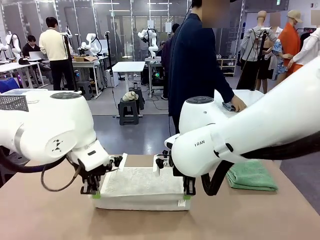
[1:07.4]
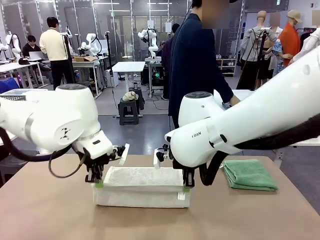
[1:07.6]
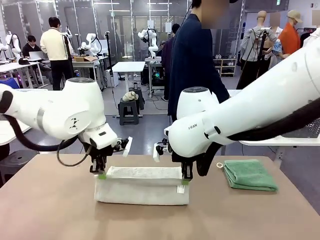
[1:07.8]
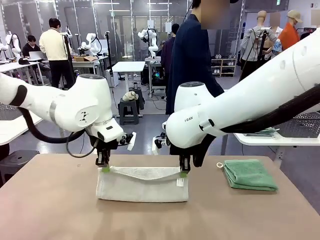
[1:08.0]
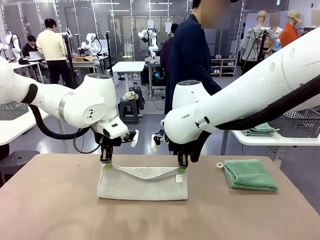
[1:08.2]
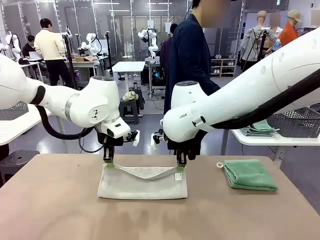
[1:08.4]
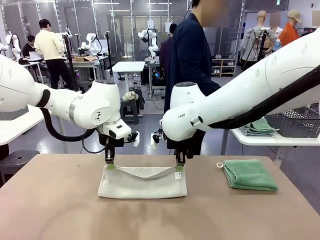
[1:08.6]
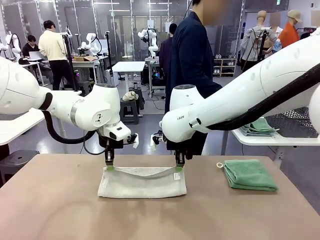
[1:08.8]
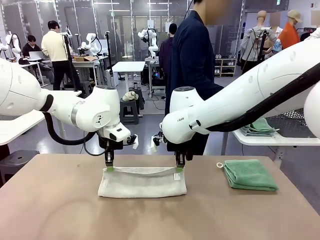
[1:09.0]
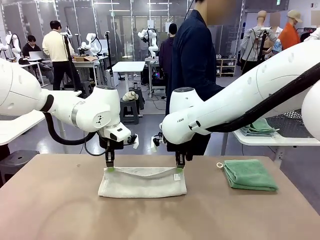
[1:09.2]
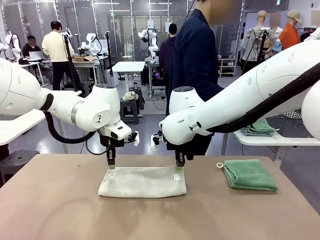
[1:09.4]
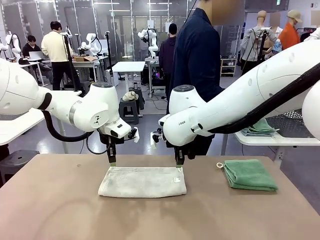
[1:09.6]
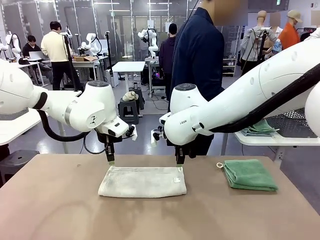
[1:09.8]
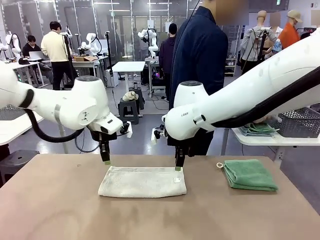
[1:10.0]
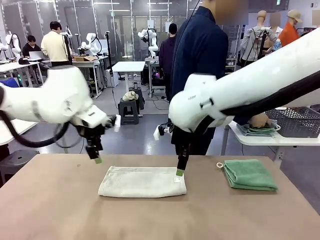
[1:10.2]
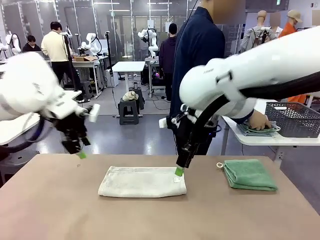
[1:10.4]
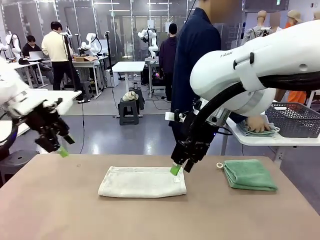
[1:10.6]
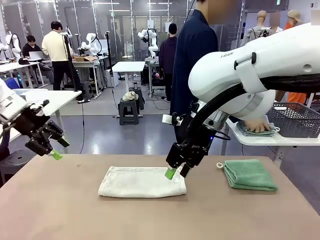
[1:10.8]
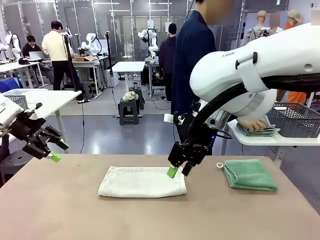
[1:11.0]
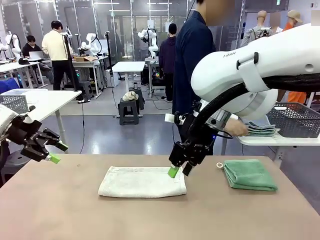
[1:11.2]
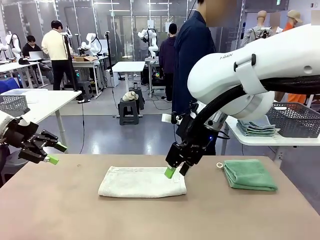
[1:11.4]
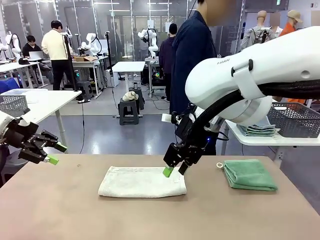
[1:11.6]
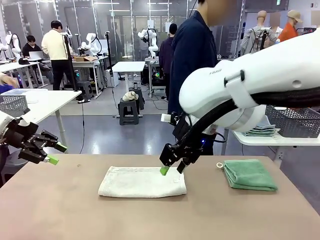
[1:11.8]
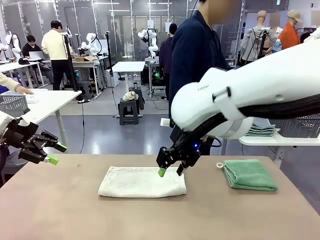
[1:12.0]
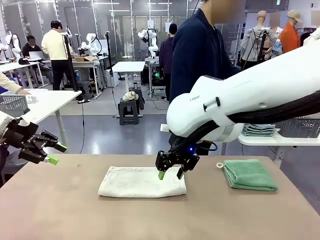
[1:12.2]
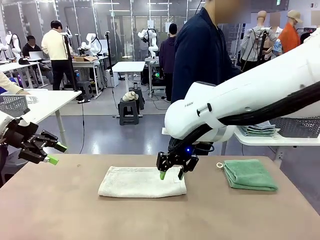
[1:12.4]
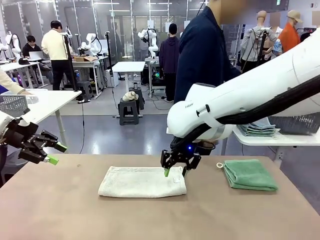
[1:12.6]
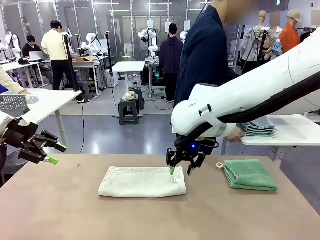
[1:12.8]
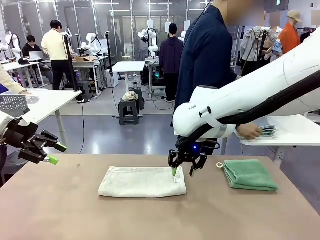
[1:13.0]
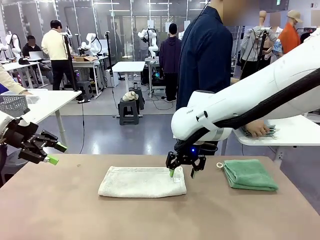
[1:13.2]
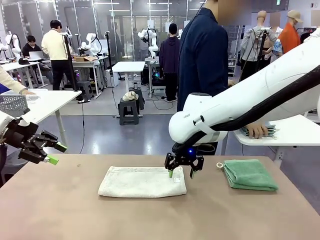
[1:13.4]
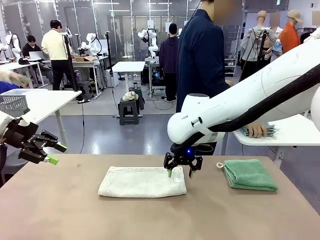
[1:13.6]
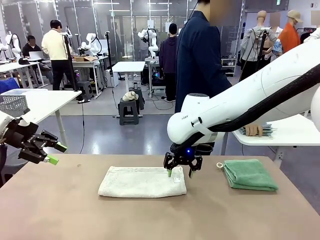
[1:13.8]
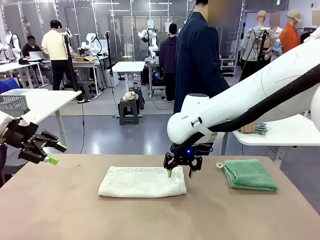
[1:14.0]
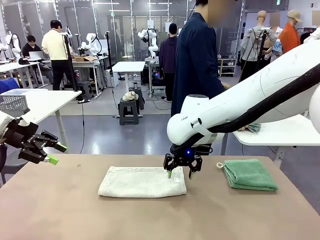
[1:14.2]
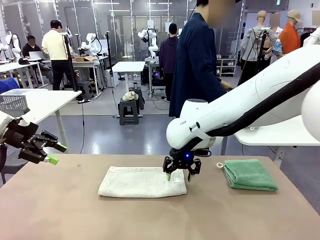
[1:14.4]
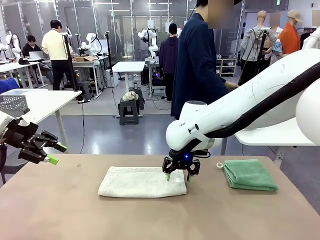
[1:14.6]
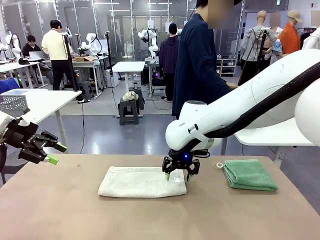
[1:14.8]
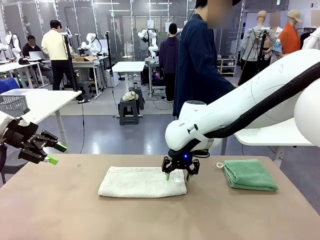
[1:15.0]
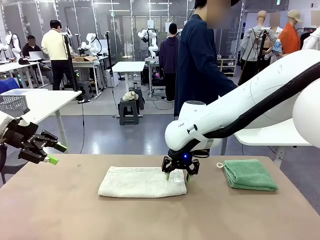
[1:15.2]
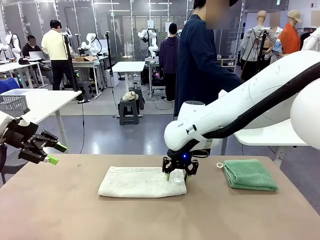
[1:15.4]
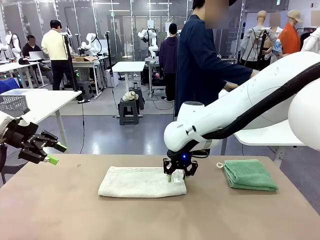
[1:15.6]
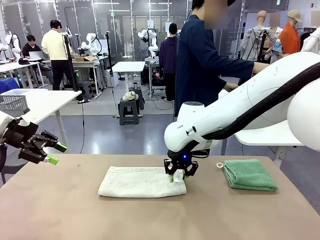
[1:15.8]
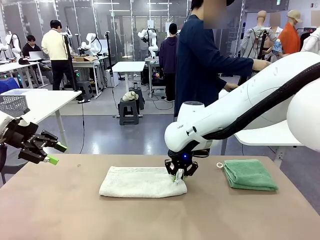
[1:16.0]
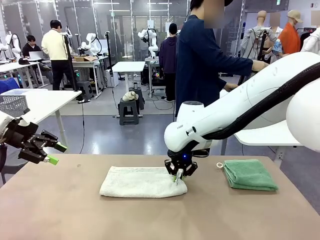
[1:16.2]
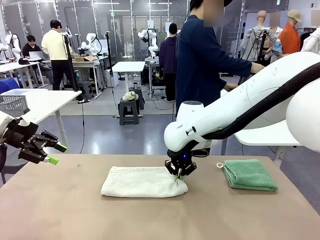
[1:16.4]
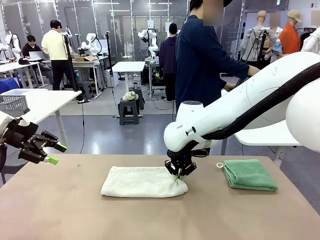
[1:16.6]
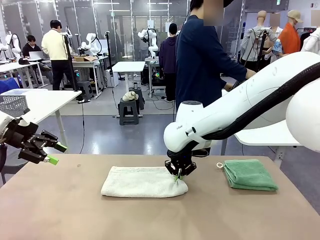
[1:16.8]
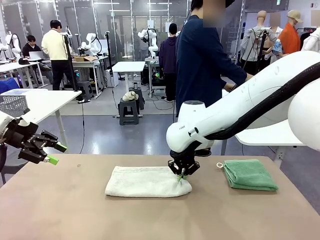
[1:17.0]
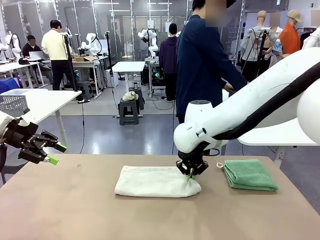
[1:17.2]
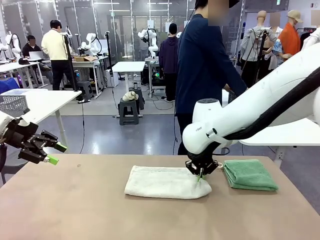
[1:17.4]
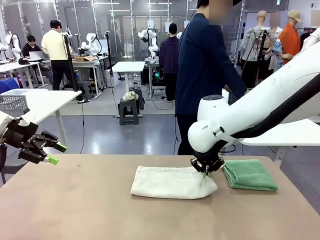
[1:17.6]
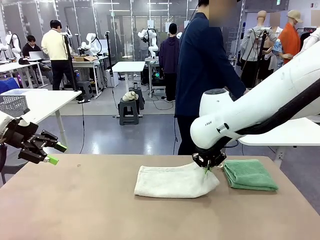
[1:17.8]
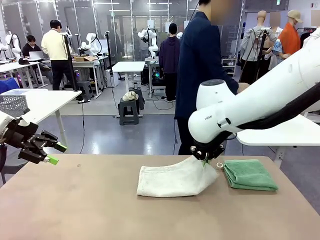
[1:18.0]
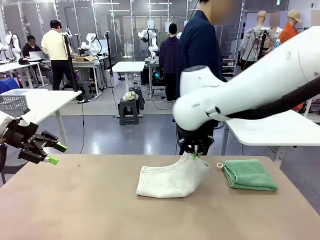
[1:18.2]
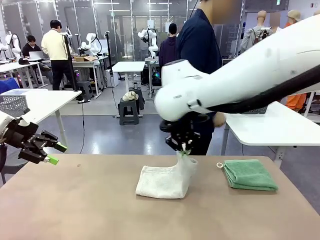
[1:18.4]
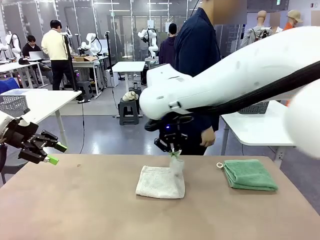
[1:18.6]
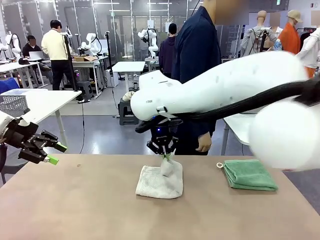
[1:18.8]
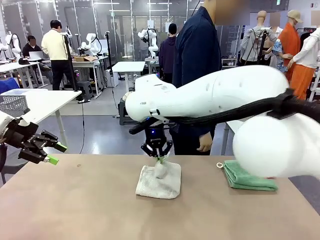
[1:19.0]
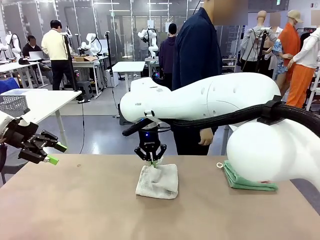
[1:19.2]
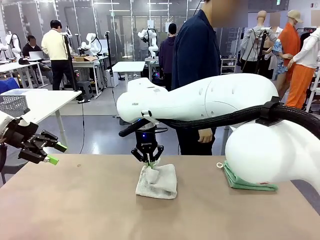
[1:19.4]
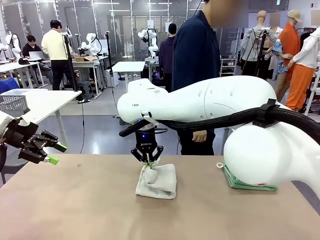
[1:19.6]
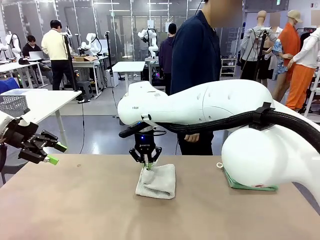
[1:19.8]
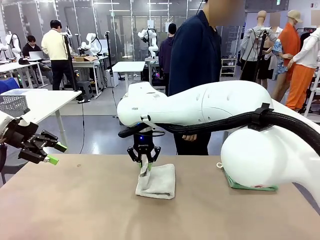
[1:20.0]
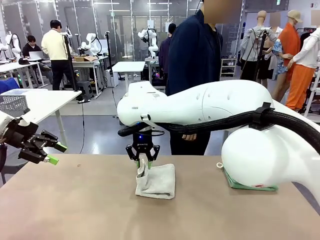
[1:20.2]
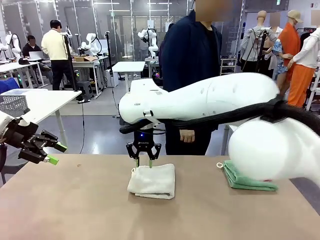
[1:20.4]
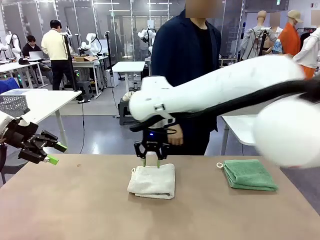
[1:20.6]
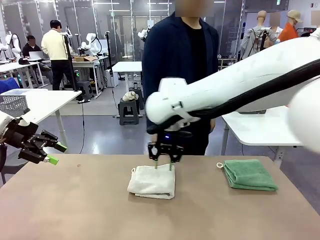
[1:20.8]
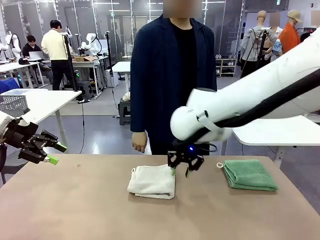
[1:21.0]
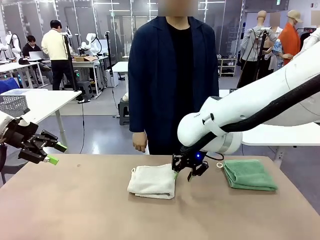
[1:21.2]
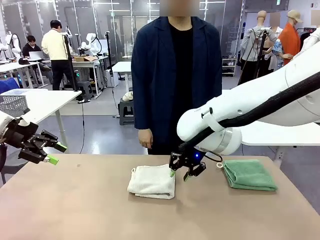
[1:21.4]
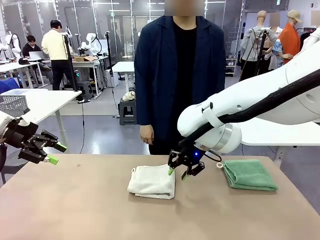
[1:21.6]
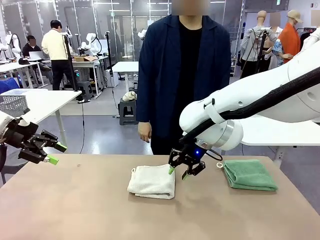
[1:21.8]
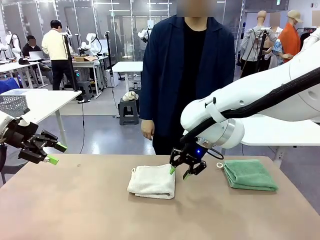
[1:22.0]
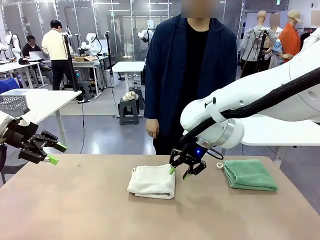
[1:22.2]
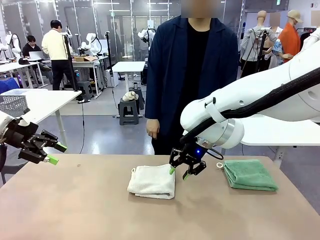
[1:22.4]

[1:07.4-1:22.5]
Task: Fold the towels and place them in the basket.
Robot: When a person lays out a Towel with hook on the table, fold it in half twice.
Person: Pick up the stack of towels from the right side of the human table, place it into the basket, and put the basket at the center of the table.

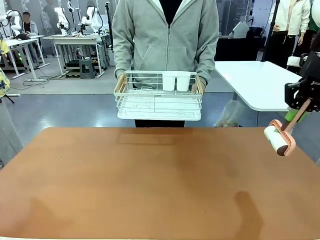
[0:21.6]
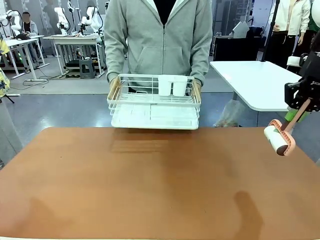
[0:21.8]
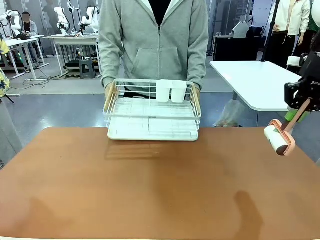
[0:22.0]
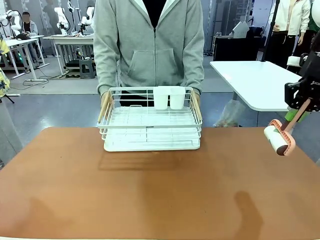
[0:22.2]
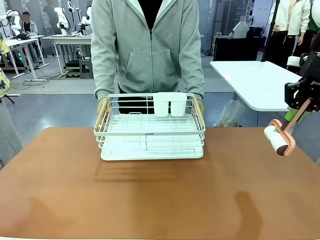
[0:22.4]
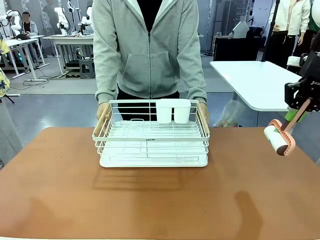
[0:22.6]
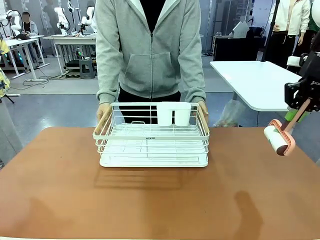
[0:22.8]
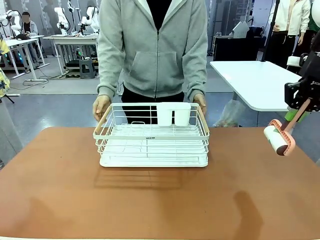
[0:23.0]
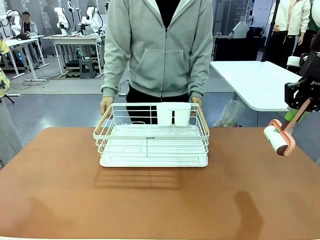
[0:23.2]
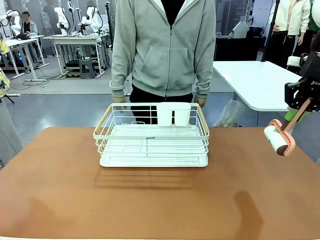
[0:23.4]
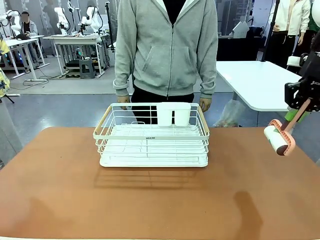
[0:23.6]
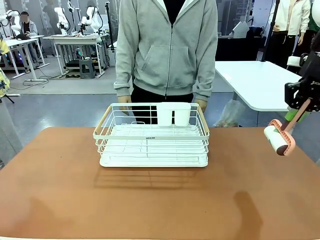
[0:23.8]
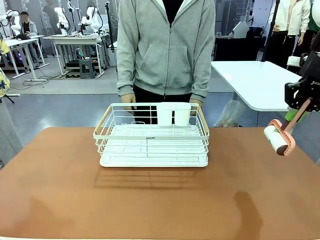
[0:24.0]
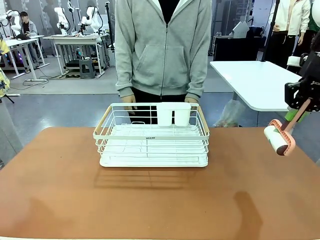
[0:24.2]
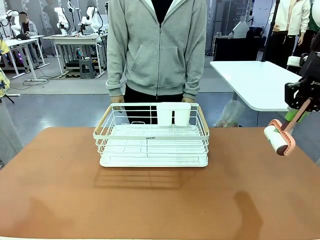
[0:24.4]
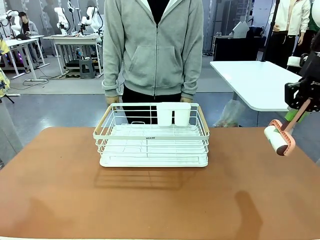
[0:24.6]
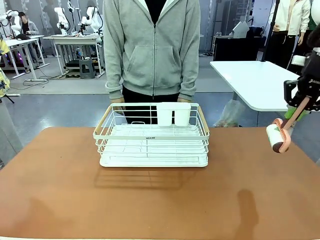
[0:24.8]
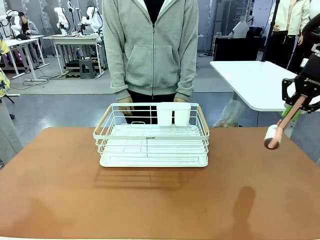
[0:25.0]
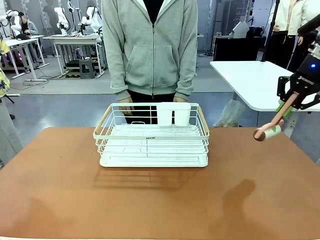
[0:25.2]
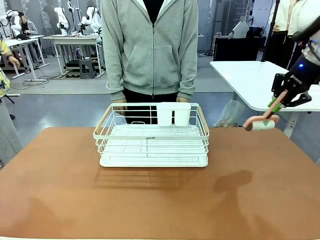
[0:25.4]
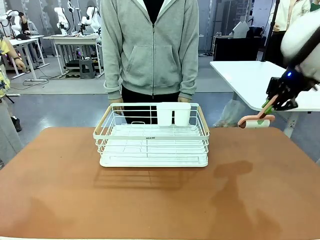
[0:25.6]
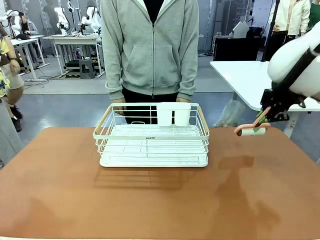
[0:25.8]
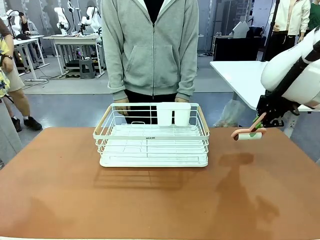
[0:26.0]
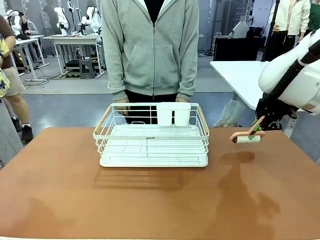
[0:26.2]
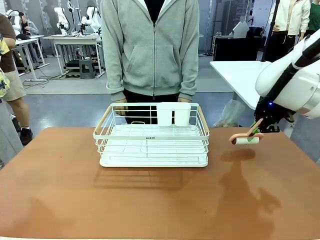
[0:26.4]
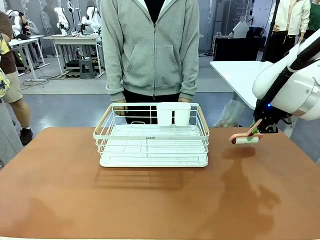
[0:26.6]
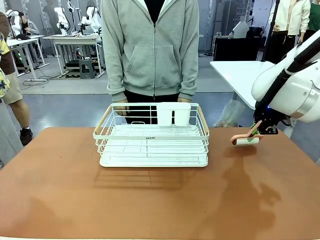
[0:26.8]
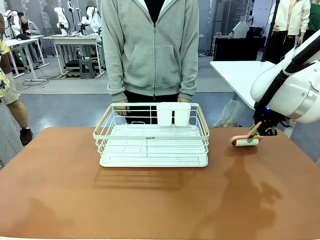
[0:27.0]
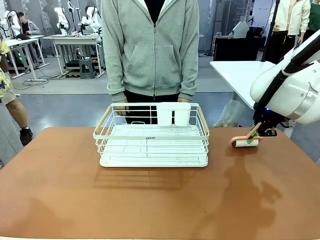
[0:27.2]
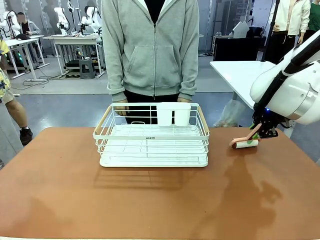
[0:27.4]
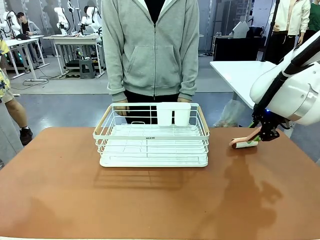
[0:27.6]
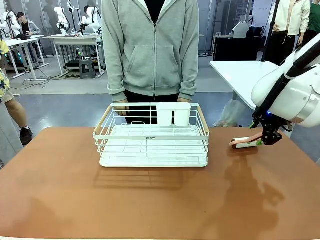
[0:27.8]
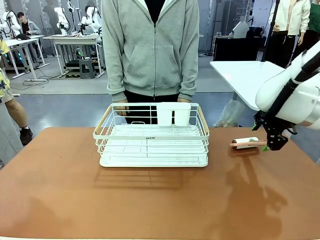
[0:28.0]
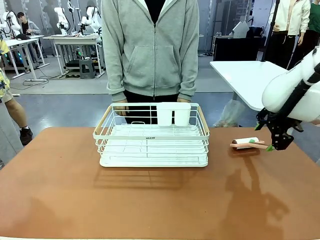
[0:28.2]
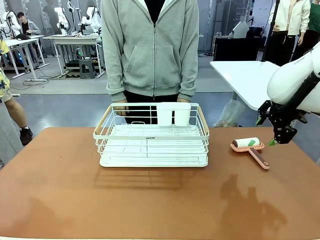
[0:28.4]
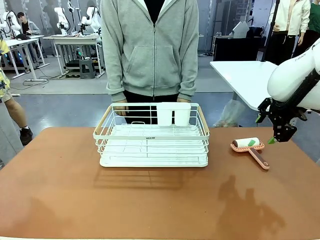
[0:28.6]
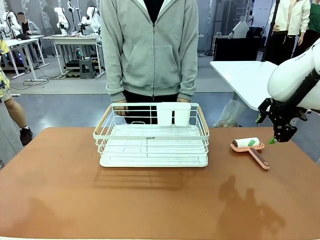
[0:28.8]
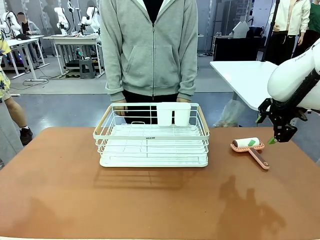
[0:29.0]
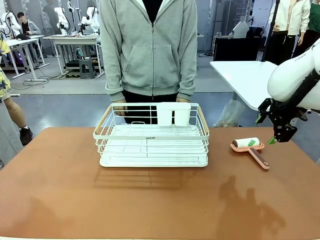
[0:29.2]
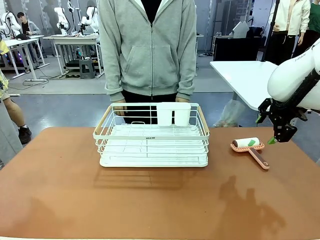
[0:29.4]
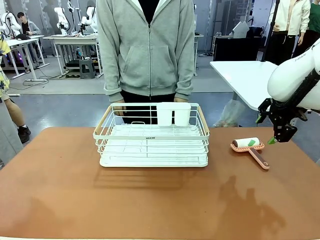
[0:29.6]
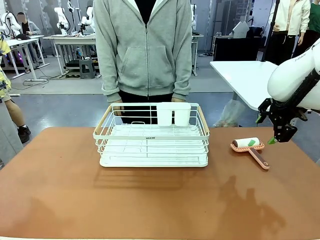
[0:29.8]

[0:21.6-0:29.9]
Task: Clean the table.
Robot: Place the Lint Roller down when the Dish drying rack is positioned in the middle of the table.
Person: Place the Dish drying rack down when the robot finishes cleaning.
